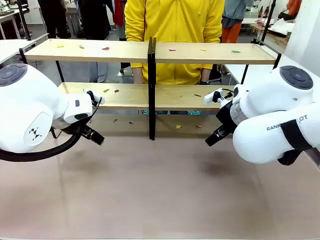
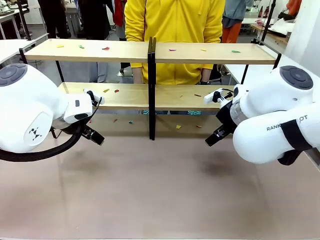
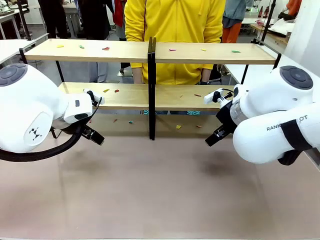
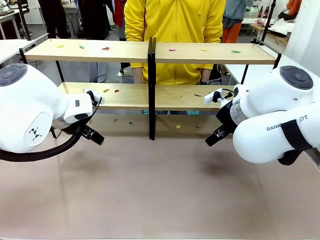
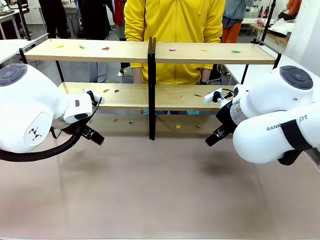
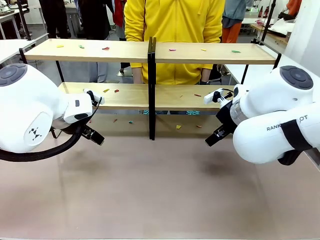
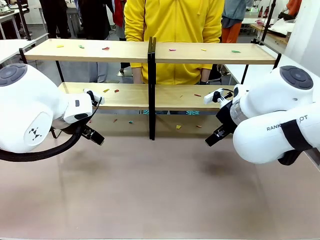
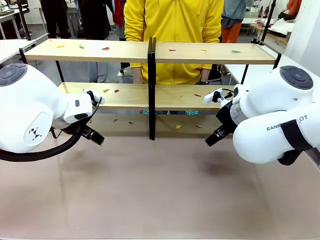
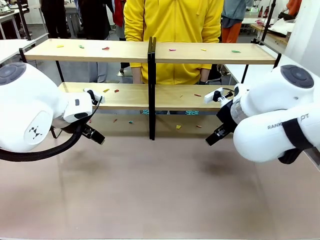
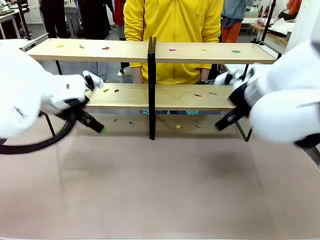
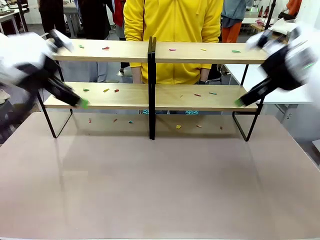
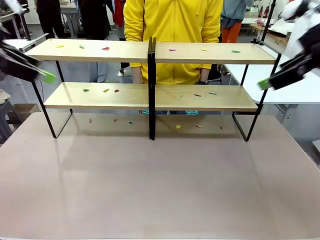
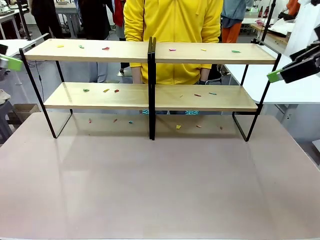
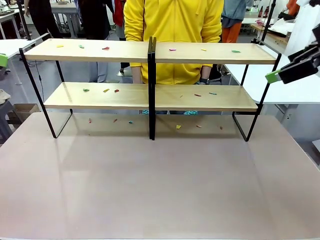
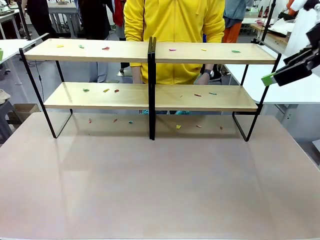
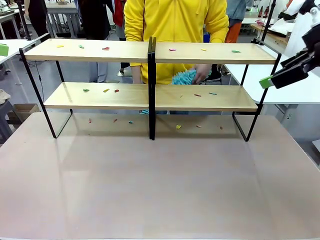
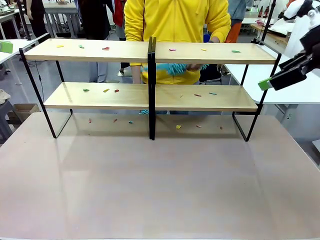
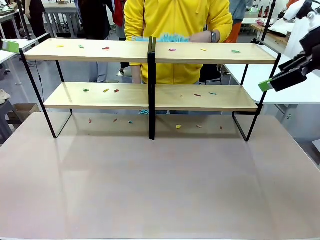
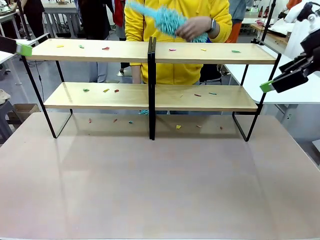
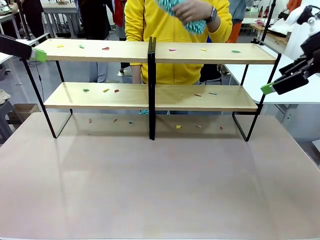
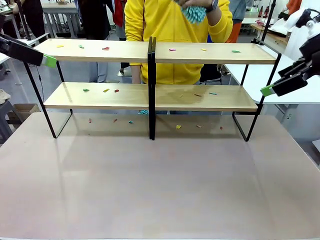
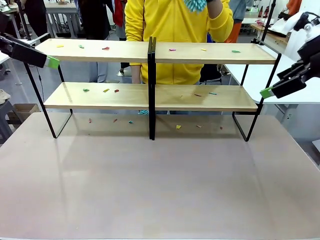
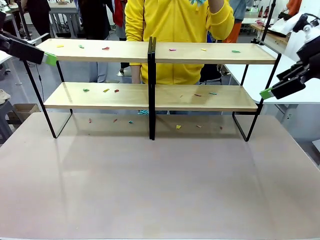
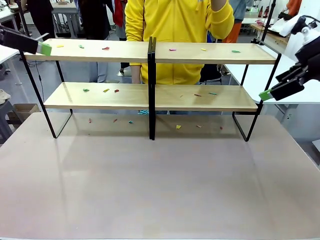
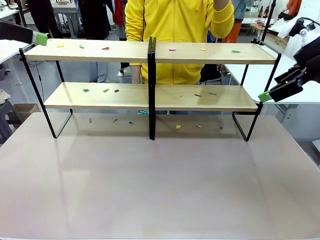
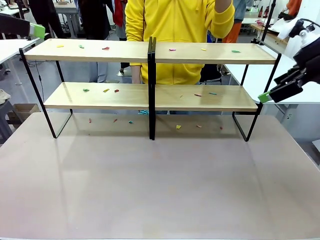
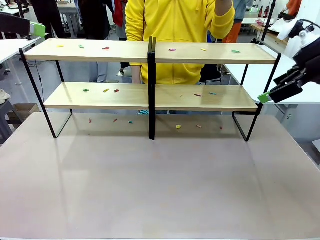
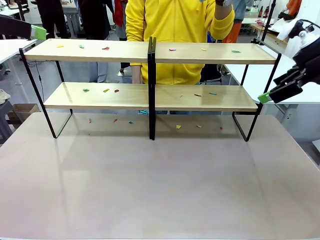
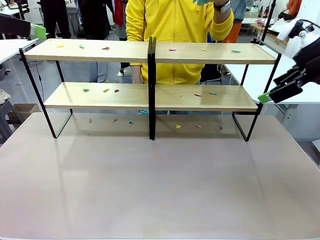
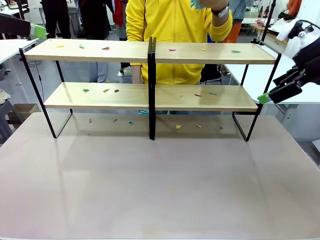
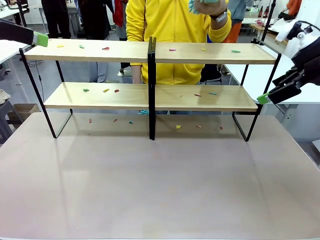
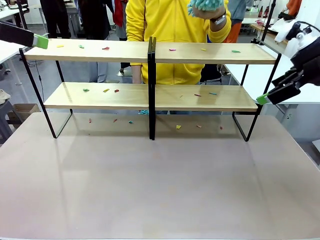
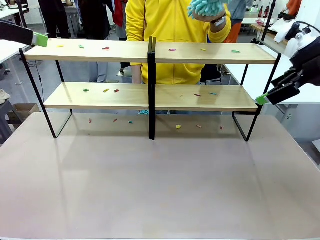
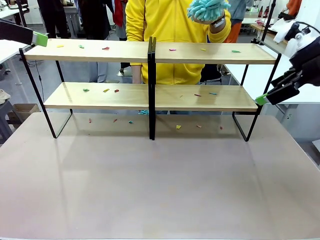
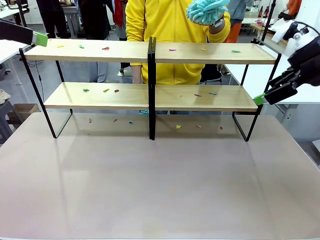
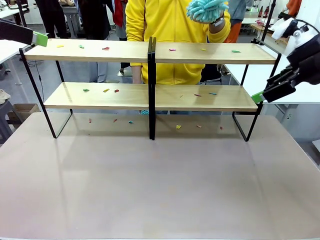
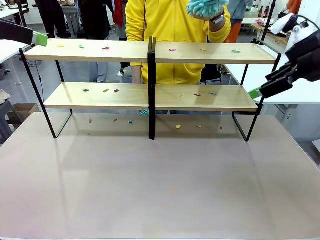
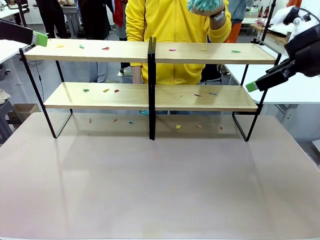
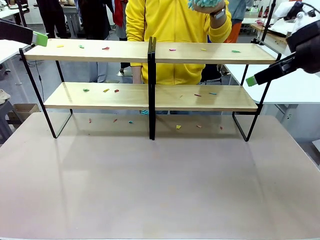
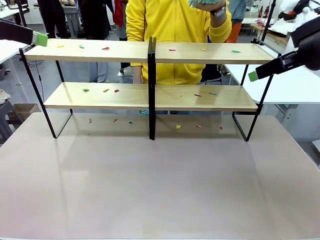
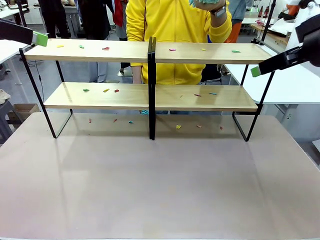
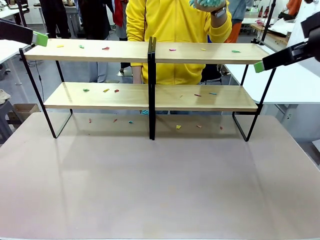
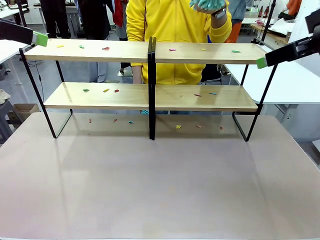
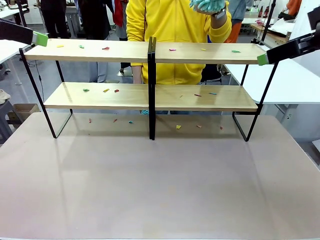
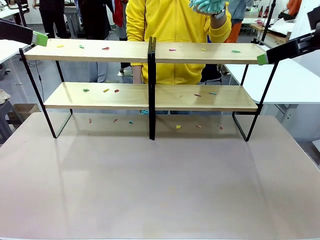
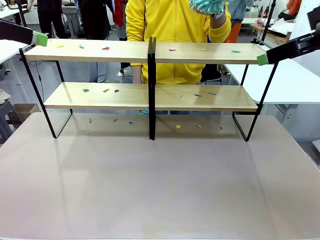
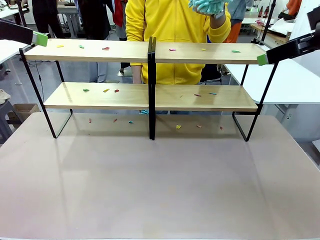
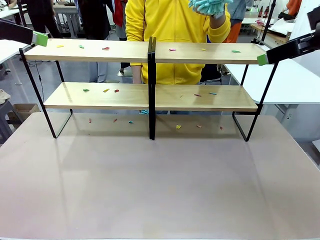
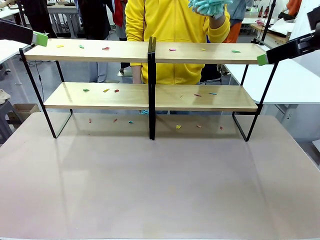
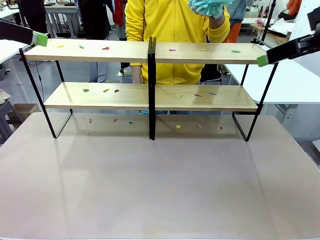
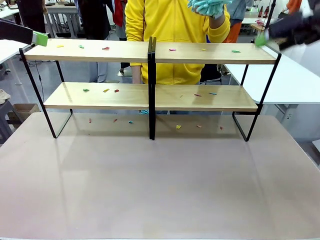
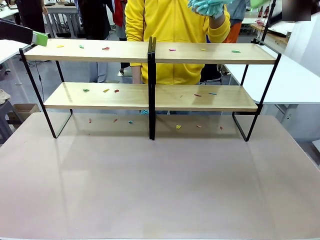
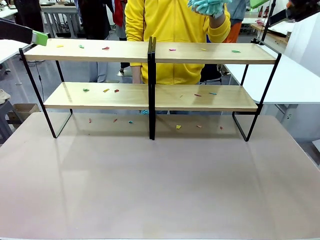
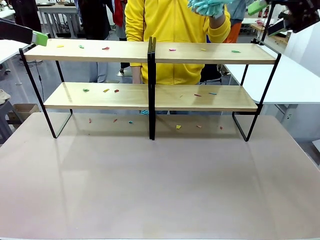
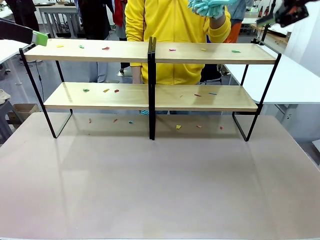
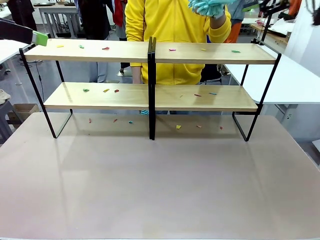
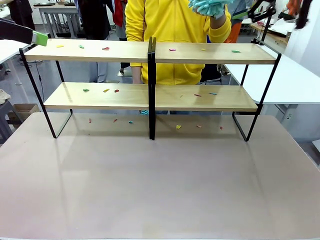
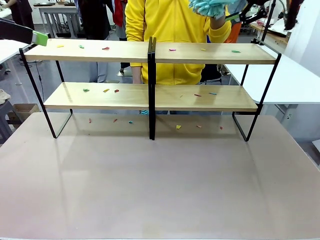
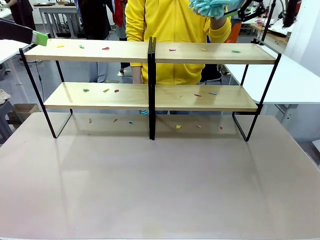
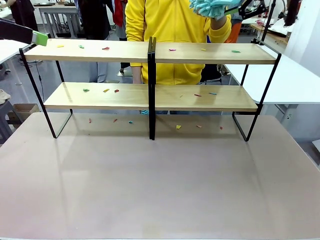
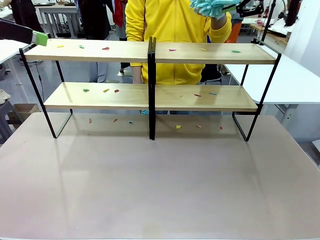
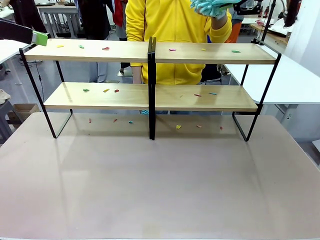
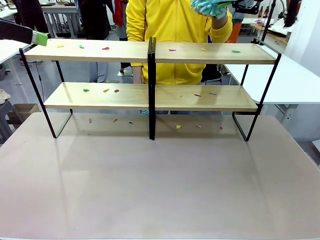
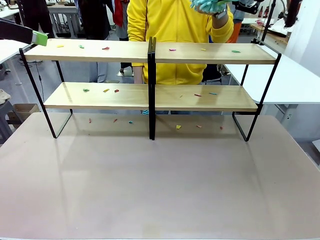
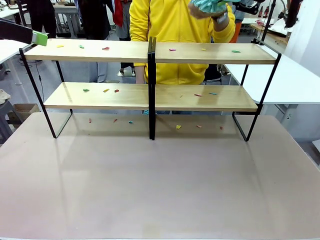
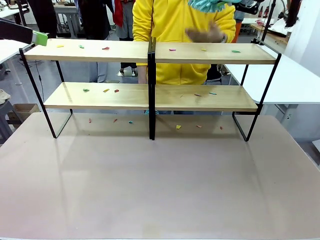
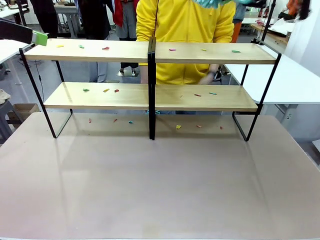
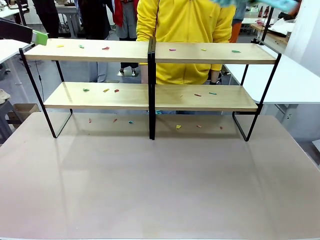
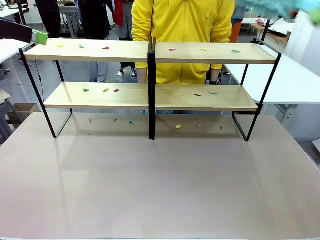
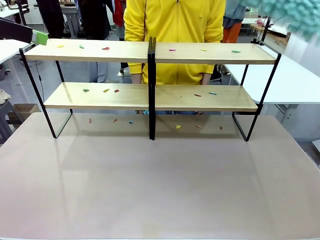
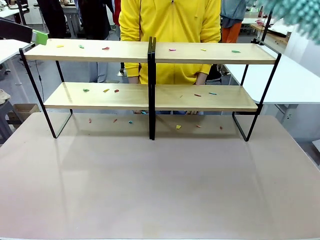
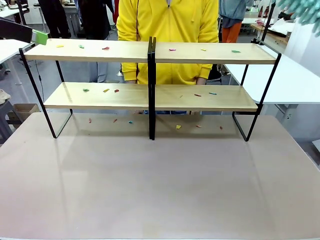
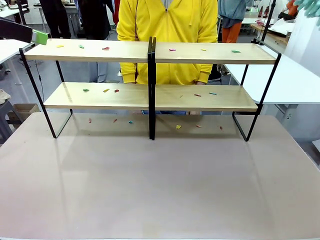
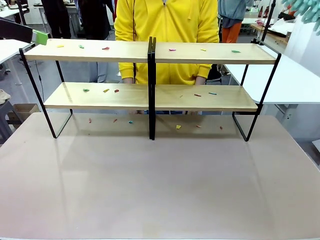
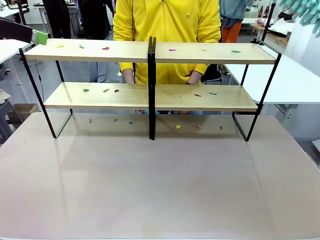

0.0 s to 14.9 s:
Task: Clean the shelves.
Robot: Pick up the Duster when the human hands it over.
Person: Hand the Duster to the robot with your right (or left) hand.

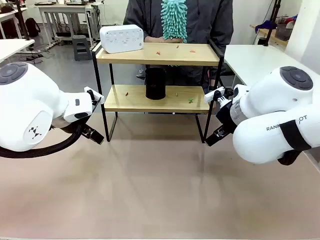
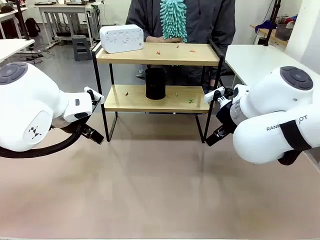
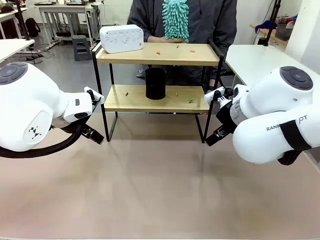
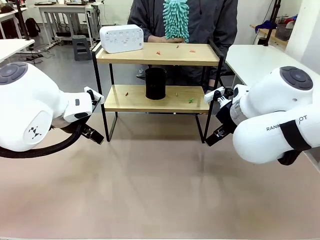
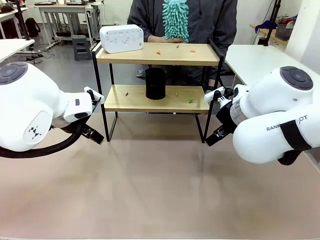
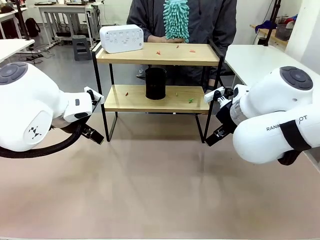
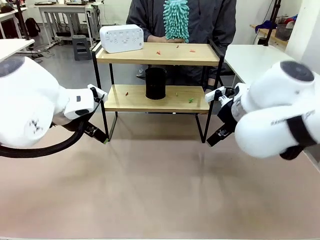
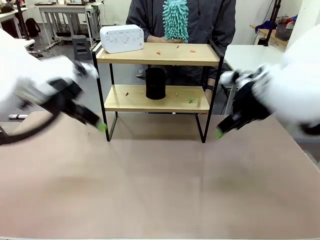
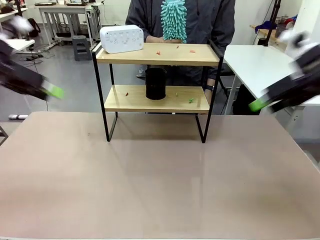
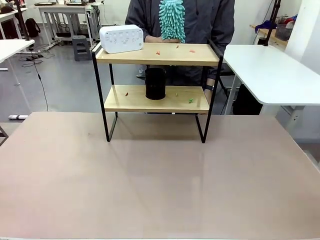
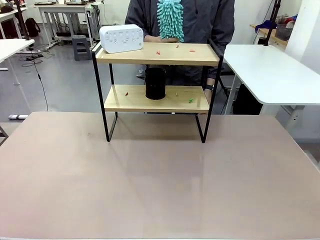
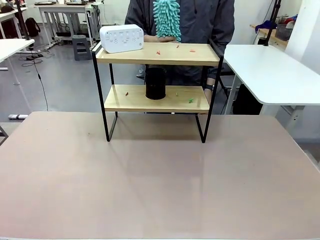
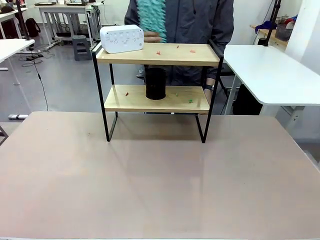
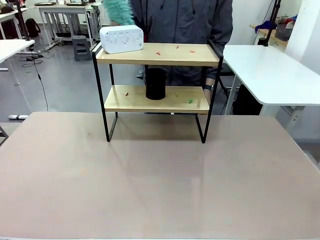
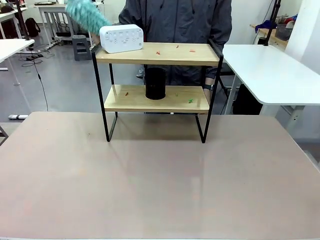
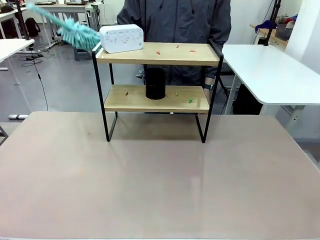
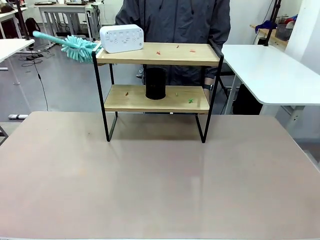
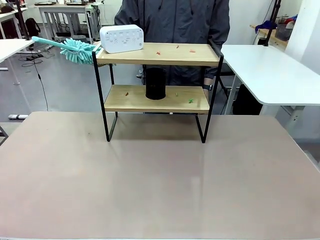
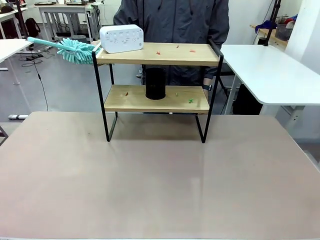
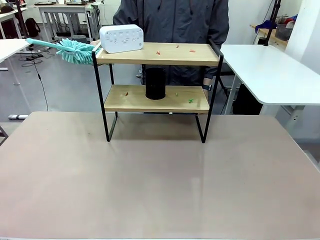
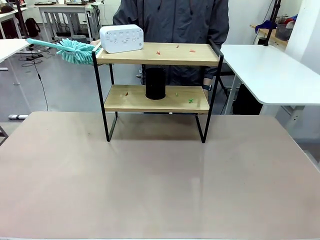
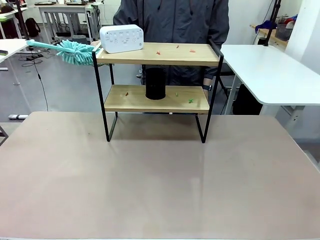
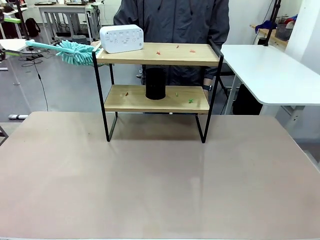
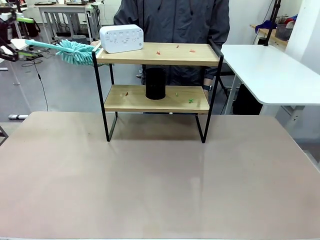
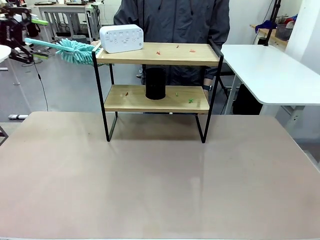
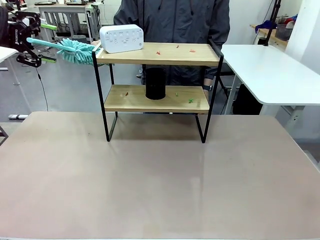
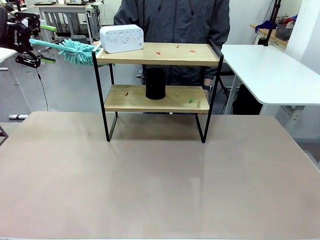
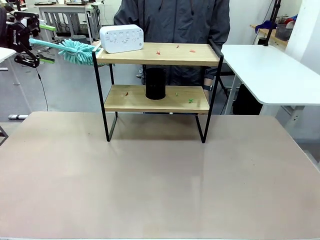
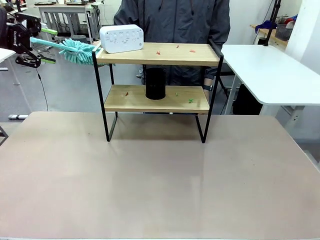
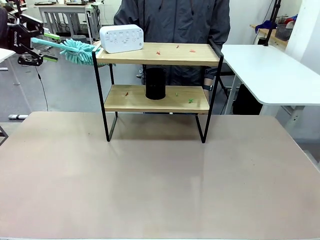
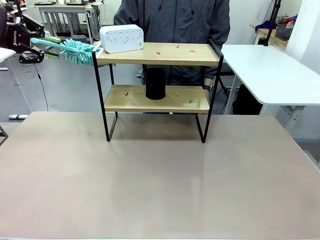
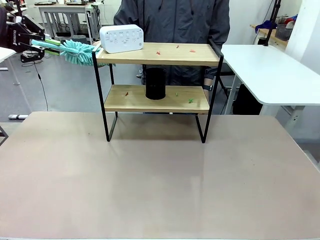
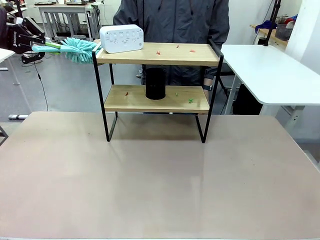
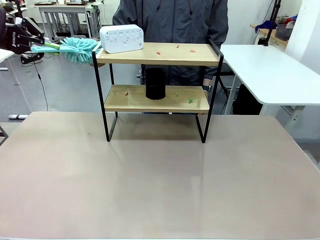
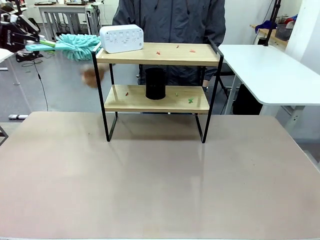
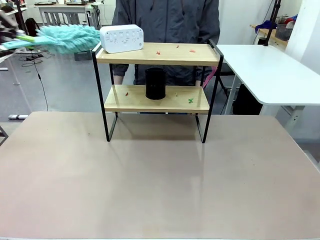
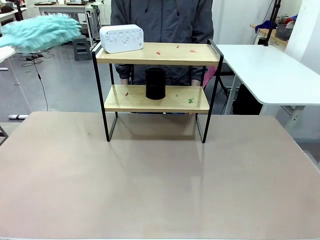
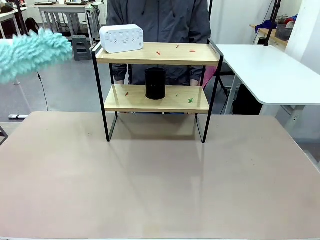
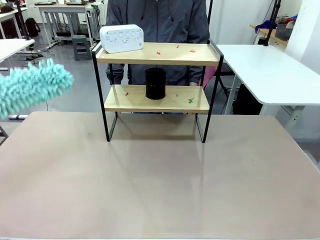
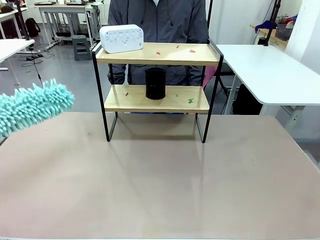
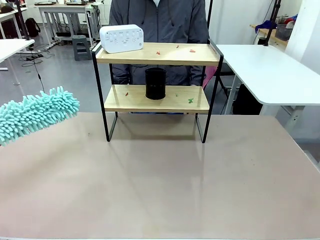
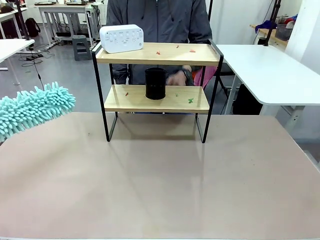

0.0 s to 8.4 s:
Task: Clean the shelf.
Robot: Pick up the Duster from the human.
Person: Hand the Duster to the robot.
